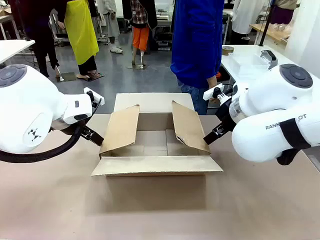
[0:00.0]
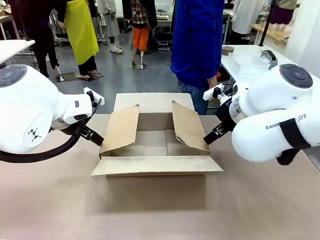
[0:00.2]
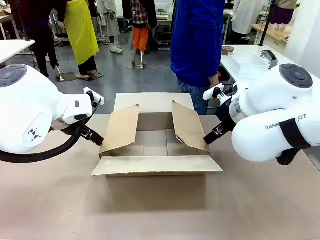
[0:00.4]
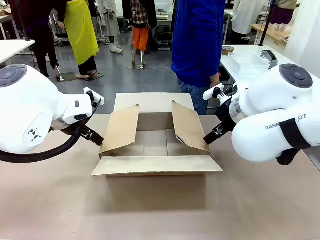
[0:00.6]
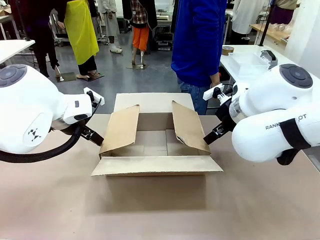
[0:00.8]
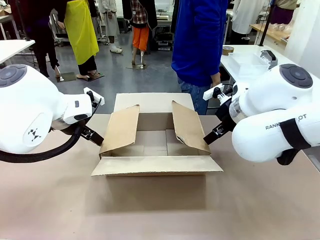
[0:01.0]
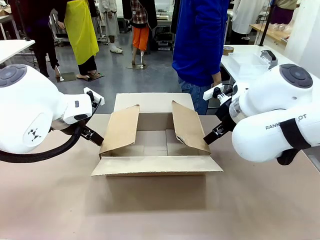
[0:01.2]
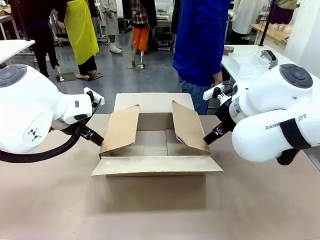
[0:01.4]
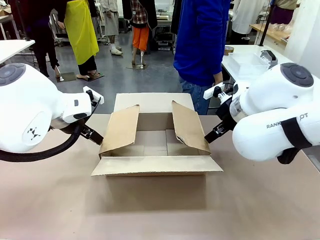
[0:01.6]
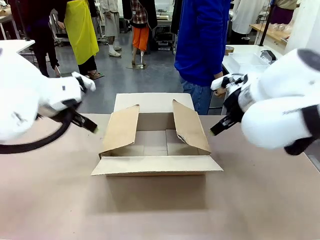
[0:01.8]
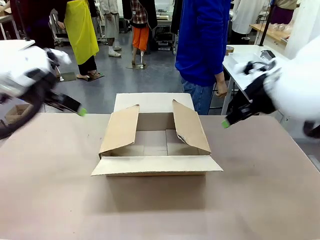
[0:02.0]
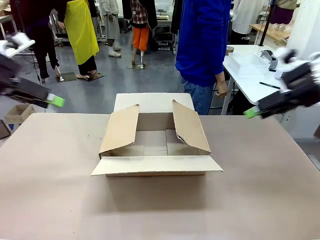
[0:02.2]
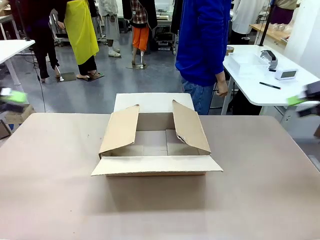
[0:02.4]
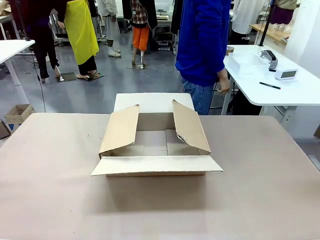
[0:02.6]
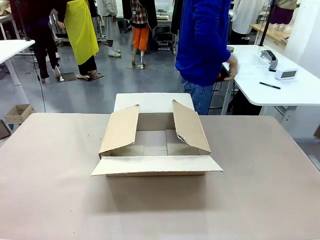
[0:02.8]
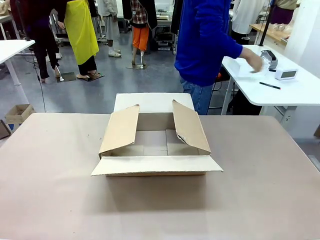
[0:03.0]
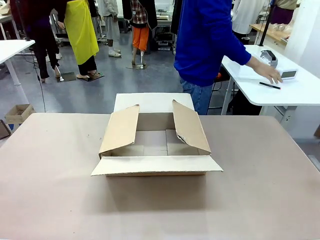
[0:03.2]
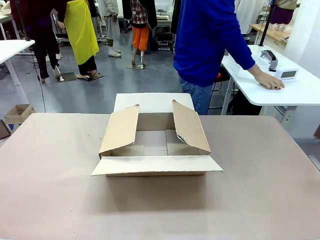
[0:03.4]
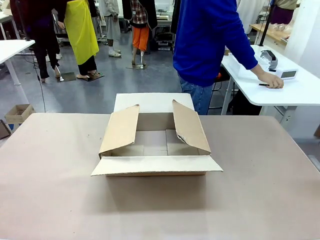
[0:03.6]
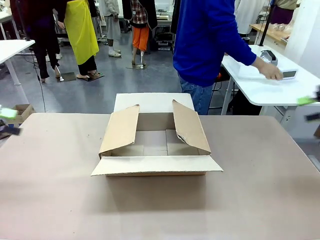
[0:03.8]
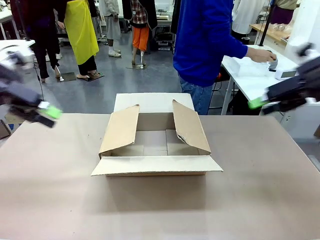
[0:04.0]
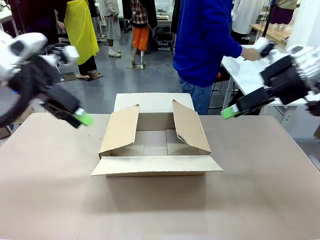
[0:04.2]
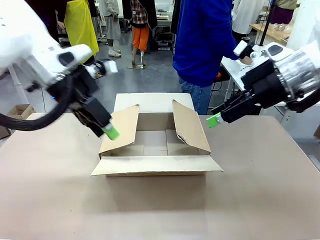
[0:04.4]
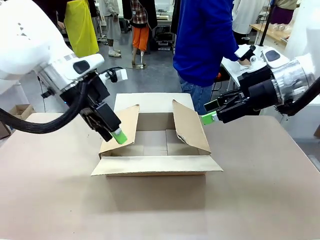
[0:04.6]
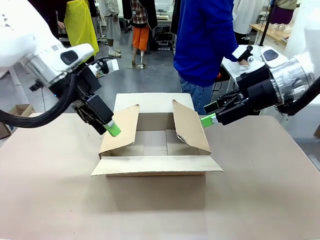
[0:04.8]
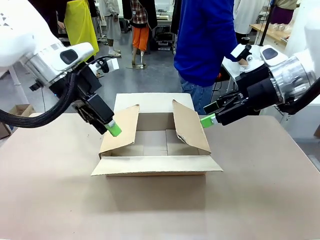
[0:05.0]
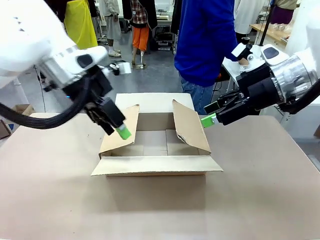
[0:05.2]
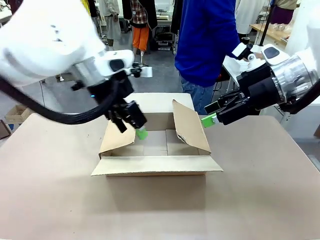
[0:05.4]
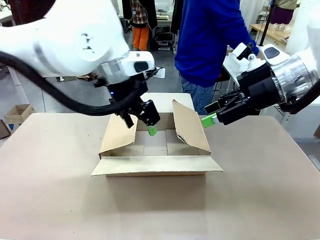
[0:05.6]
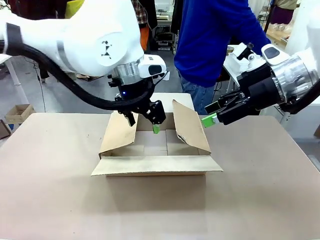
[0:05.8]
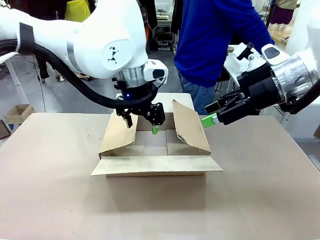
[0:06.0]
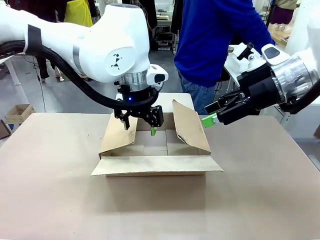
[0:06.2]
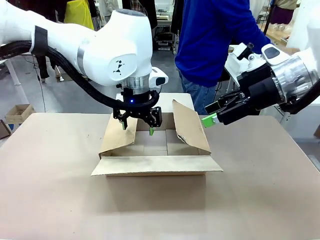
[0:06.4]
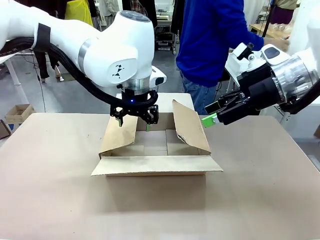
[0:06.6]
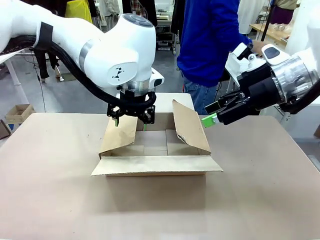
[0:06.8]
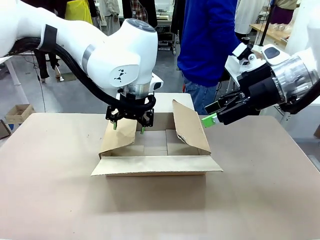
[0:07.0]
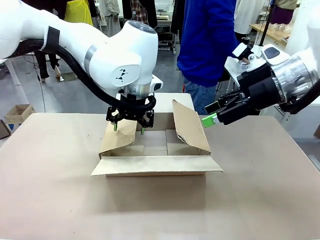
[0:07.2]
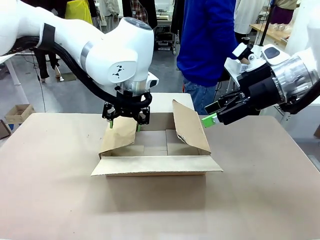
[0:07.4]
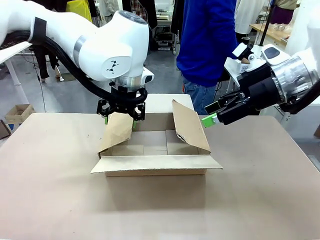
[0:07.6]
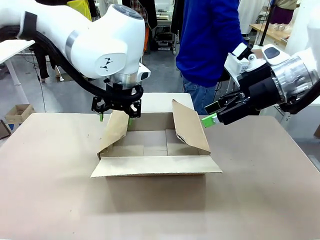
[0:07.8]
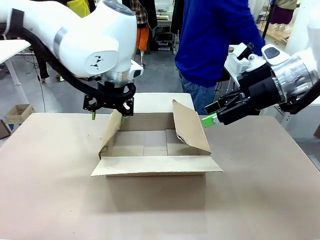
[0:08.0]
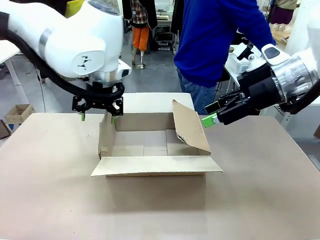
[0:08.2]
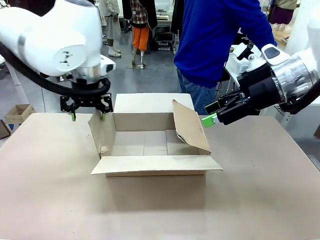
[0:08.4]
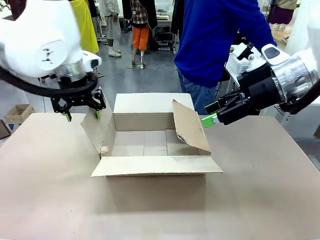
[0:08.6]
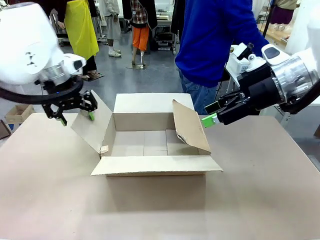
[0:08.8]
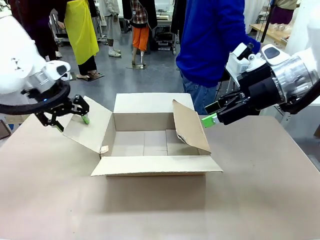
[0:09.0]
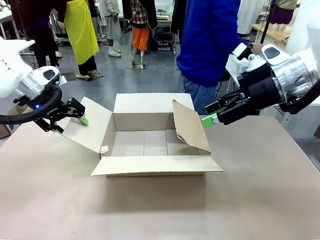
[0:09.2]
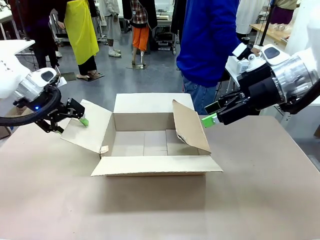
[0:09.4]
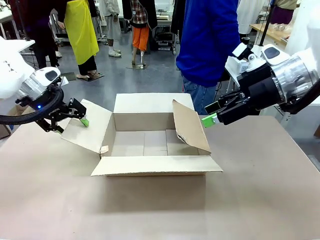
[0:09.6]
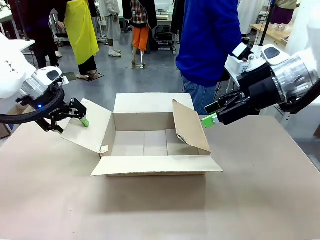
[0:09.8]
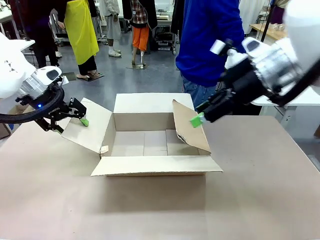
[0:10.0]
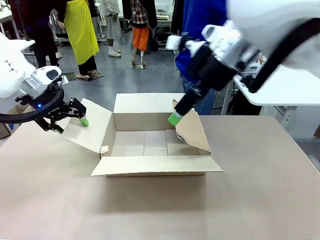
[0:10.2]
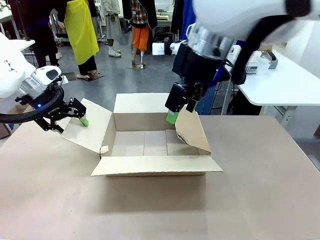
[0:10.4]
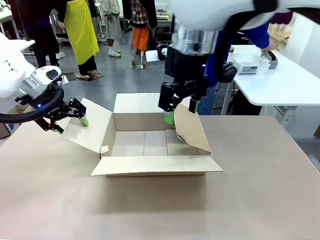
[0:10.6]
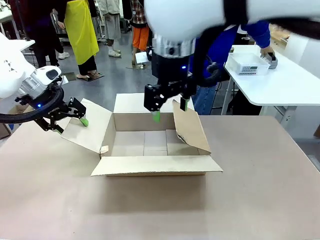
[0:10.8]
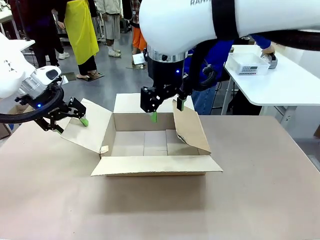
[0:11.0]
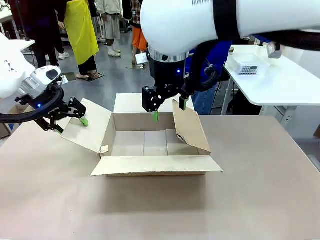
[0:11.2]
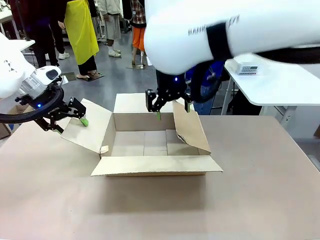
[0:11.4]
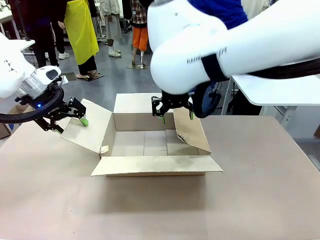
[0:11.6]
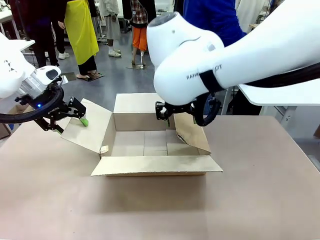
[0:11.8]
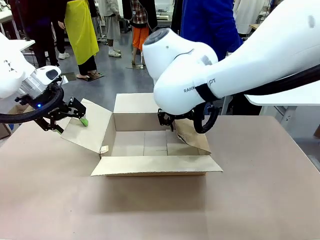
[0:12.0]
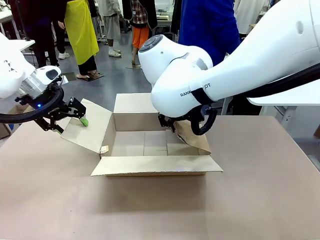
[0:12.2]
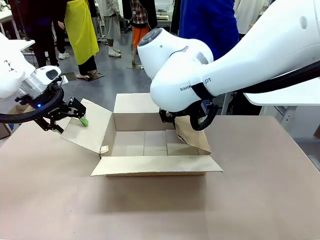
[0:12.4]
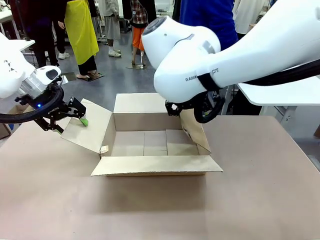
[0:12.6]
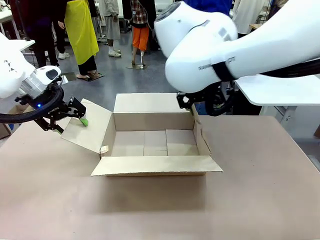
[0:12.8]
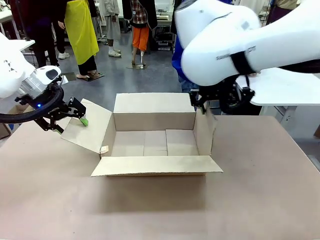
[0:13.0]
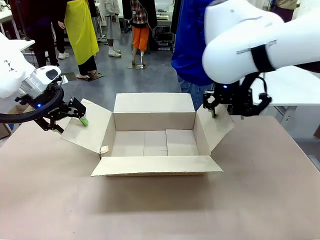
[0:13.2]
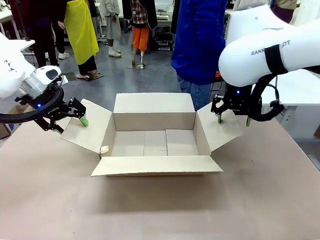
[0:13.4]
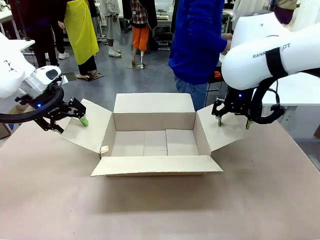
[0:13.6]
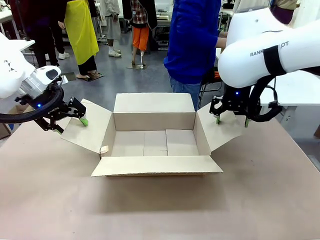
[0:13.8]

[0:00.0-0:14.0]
Task: Pack the gift set into the box.
Robot: Place both hands on the side flaps of the Package Box and spread them outward.
Person: The human places all items except the paper tape into the organizing basket.

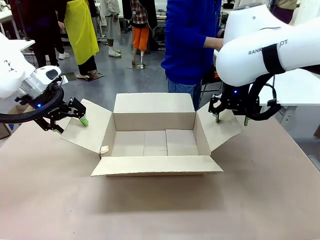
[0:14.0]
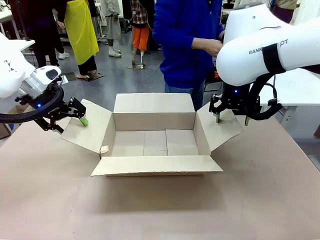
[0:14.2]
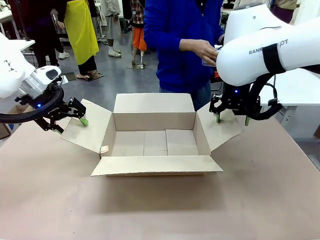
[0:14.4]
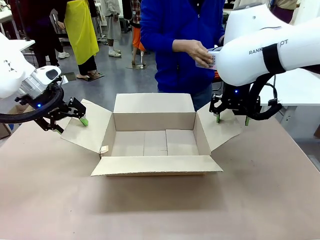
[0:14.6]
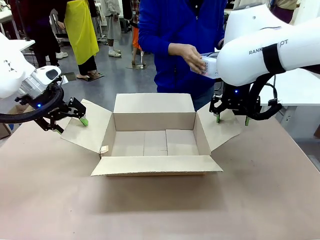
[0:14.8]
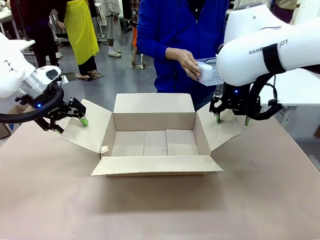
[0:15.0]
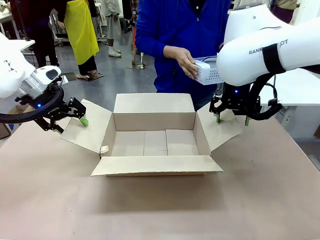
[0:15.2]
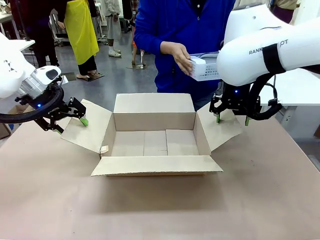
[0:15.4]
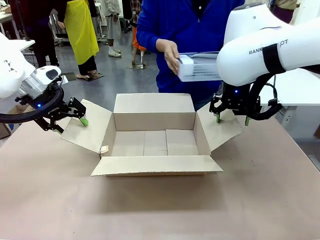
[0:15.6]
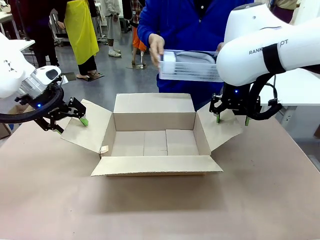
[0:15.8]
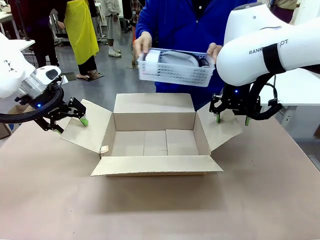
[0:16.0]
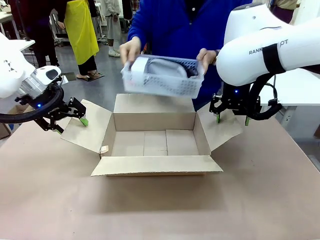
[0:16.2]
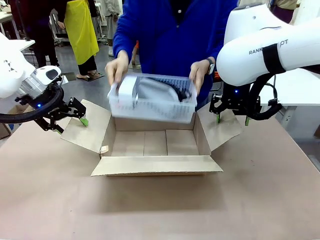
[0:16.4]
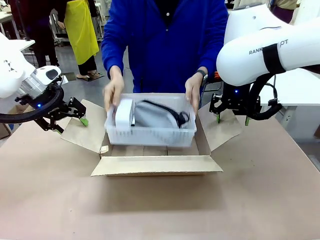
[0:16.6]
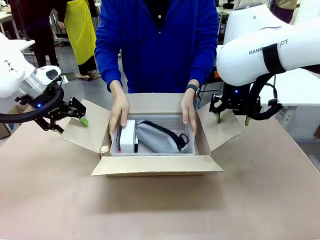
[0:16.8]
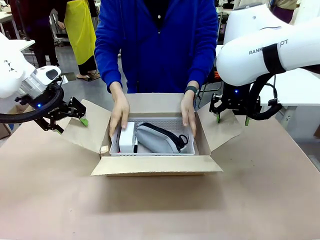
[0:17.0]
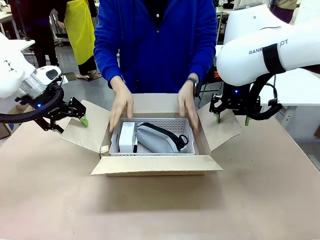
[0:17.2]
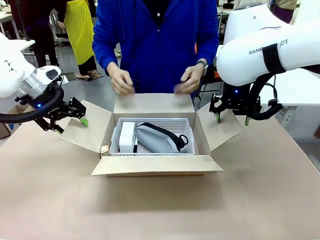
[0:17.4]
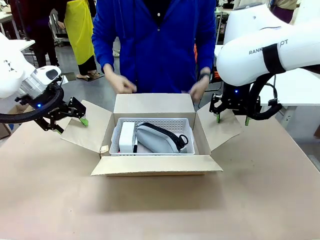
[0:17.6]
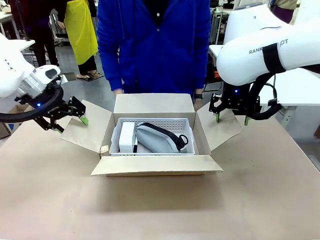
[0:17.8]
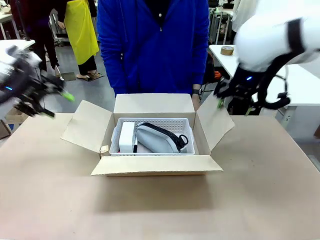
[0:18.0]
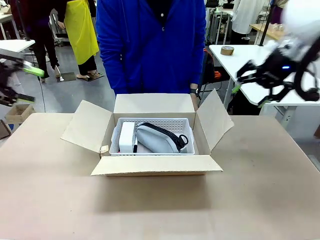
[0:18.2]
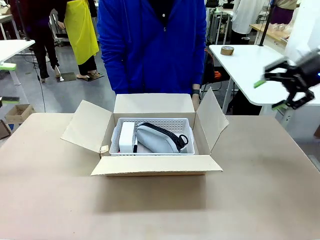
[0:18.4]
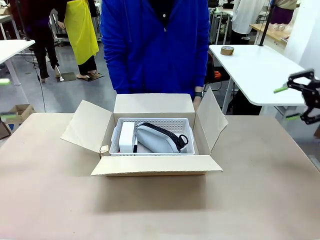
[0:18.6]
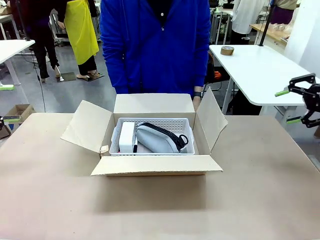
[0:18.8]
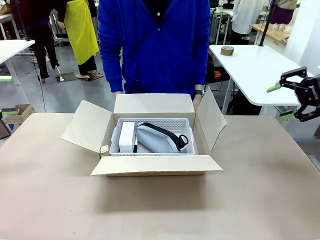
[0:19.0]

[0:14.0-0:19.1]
Robot: Lift both hands away from the flaps of the Package Box.
Person: The human picks up the organizing basket and places the organizing basket into the package box on the robot table.
